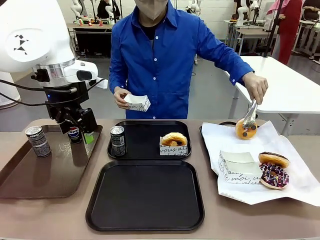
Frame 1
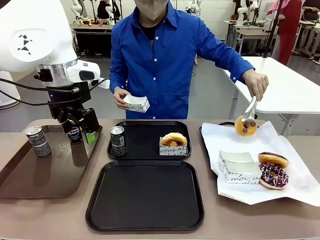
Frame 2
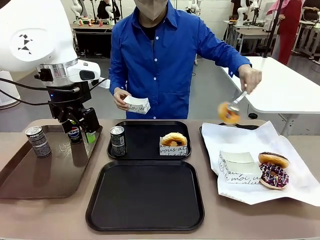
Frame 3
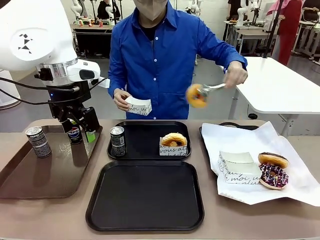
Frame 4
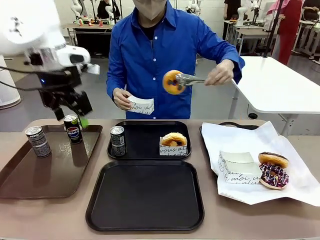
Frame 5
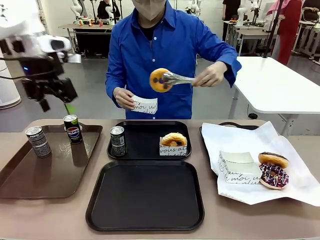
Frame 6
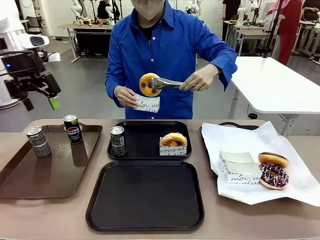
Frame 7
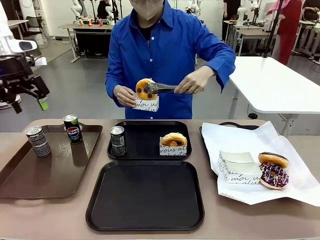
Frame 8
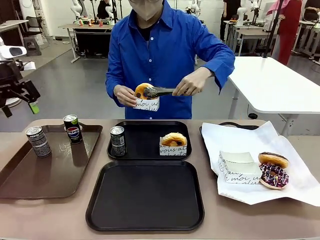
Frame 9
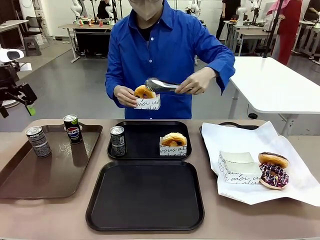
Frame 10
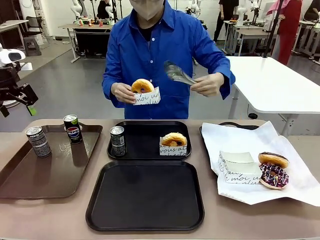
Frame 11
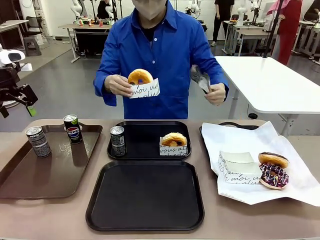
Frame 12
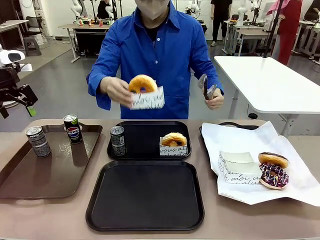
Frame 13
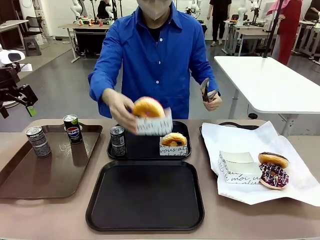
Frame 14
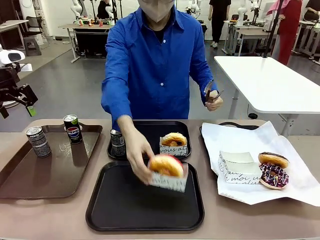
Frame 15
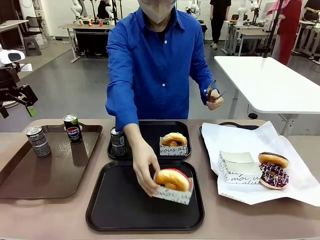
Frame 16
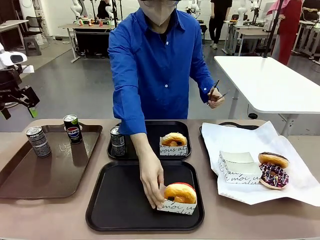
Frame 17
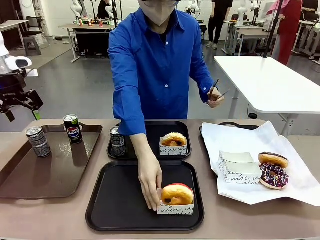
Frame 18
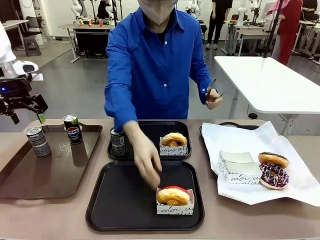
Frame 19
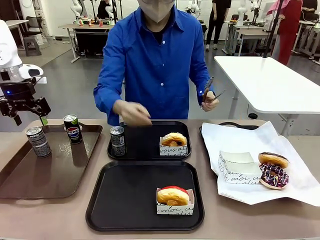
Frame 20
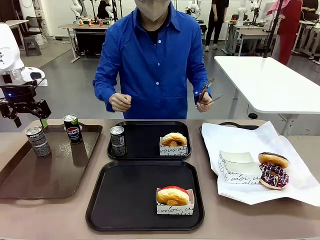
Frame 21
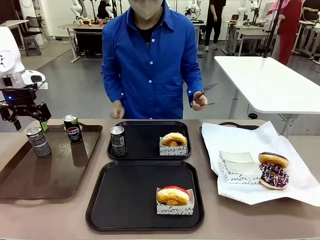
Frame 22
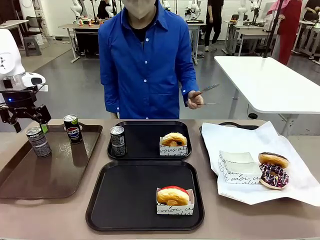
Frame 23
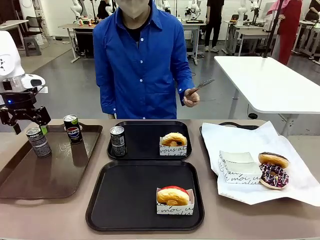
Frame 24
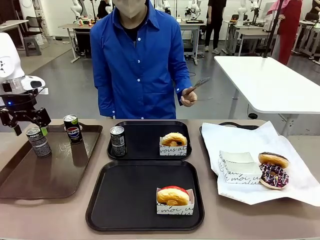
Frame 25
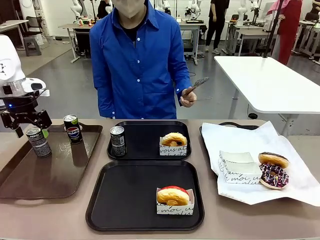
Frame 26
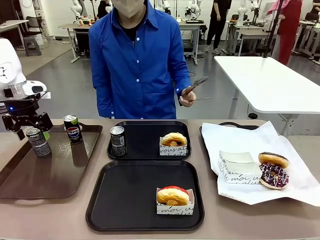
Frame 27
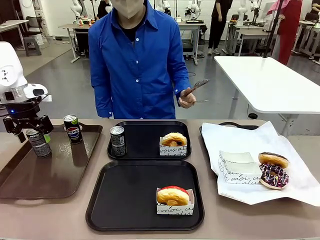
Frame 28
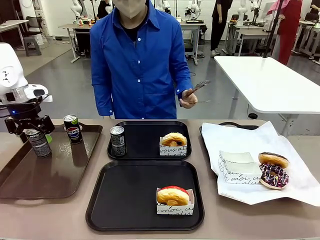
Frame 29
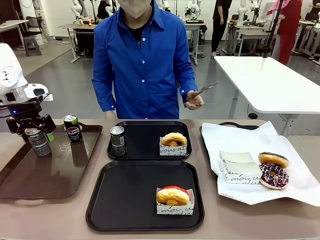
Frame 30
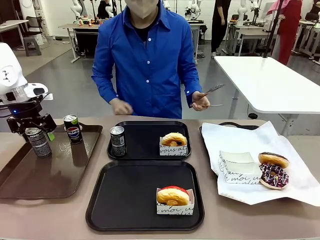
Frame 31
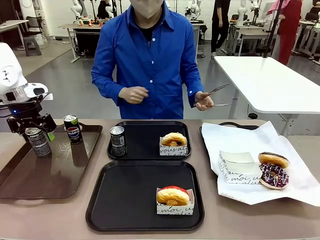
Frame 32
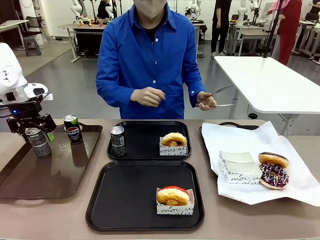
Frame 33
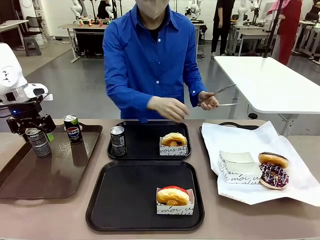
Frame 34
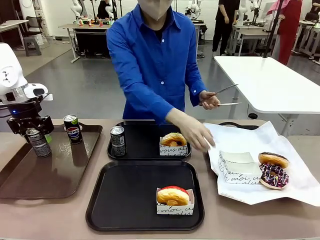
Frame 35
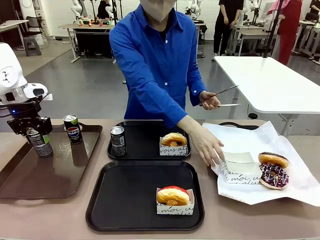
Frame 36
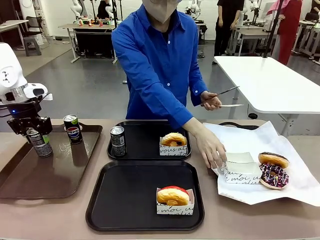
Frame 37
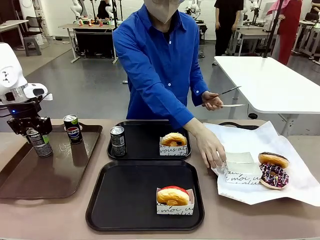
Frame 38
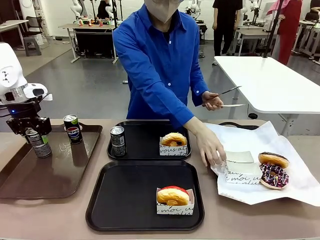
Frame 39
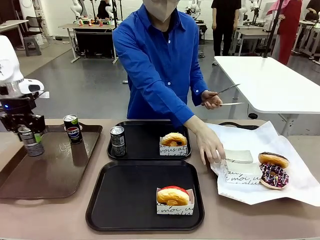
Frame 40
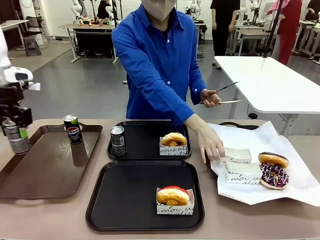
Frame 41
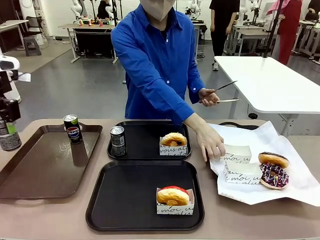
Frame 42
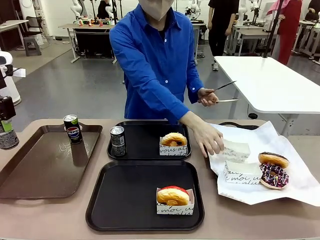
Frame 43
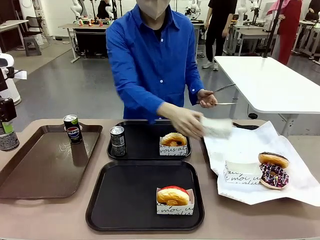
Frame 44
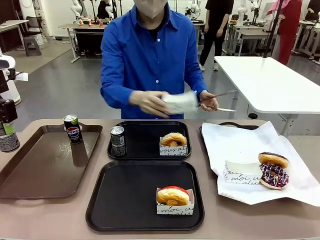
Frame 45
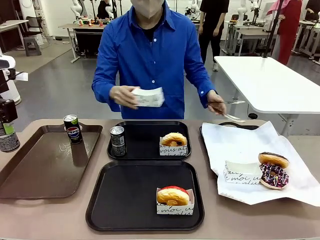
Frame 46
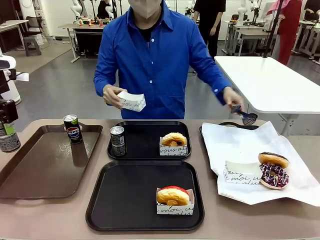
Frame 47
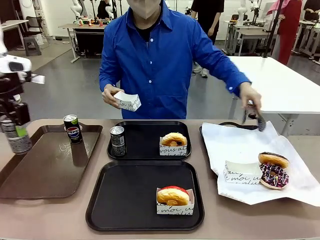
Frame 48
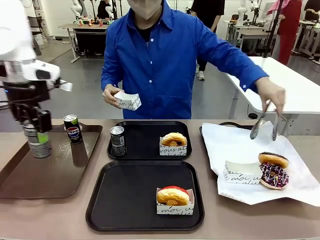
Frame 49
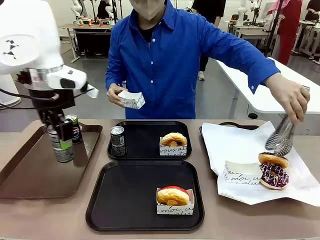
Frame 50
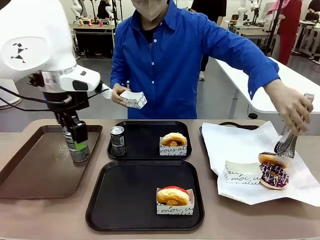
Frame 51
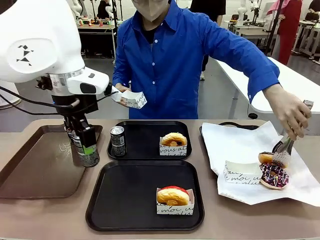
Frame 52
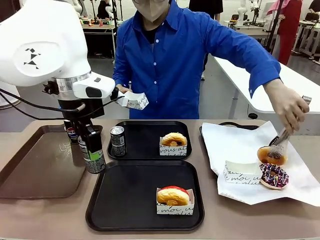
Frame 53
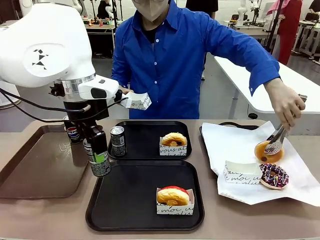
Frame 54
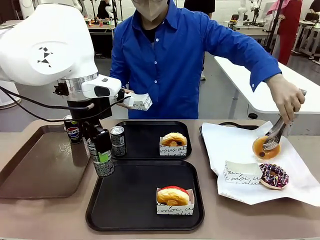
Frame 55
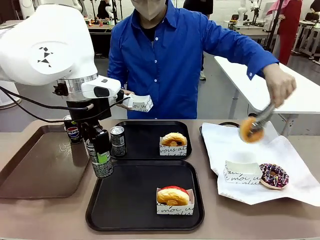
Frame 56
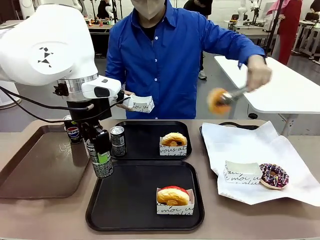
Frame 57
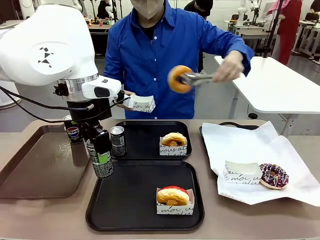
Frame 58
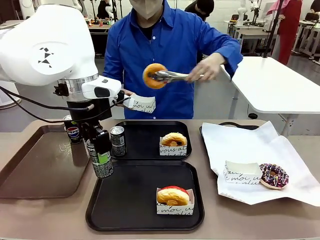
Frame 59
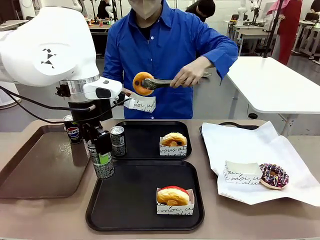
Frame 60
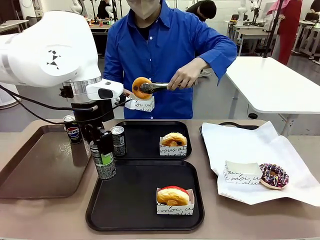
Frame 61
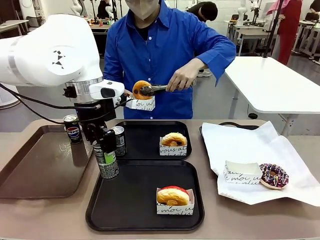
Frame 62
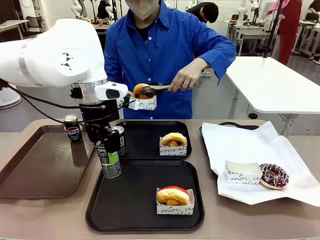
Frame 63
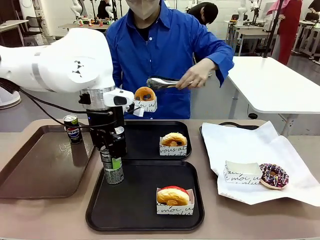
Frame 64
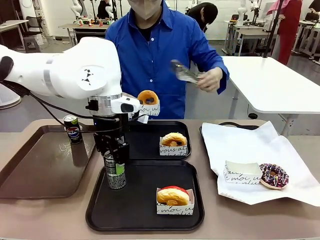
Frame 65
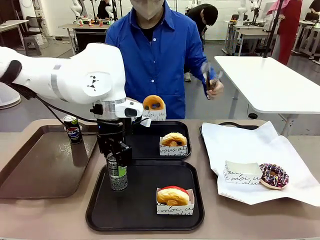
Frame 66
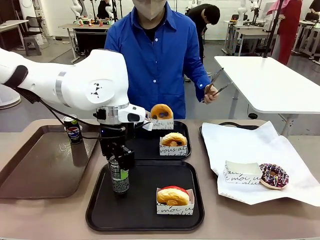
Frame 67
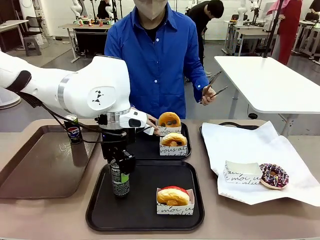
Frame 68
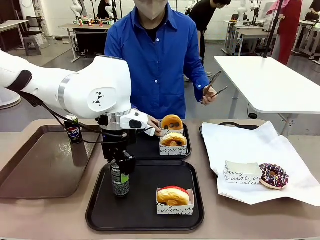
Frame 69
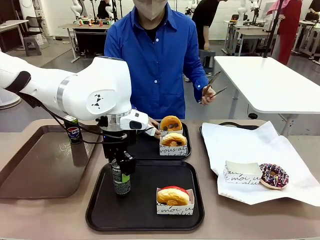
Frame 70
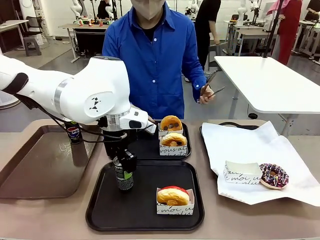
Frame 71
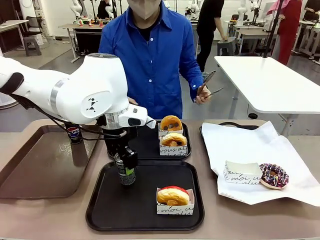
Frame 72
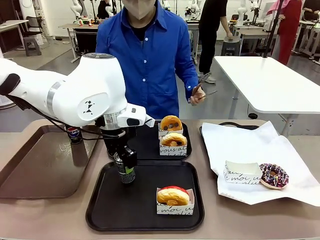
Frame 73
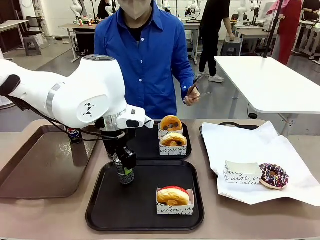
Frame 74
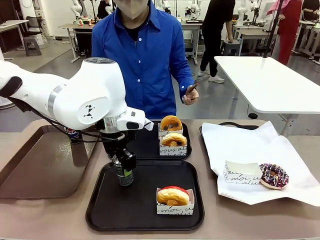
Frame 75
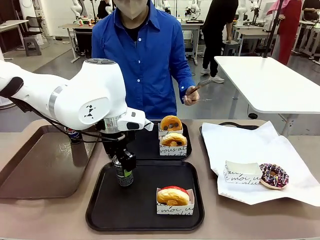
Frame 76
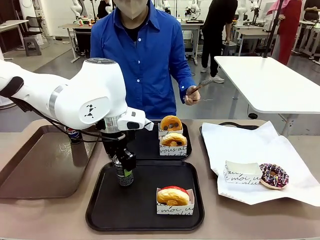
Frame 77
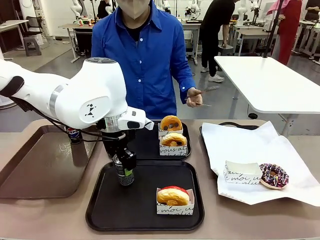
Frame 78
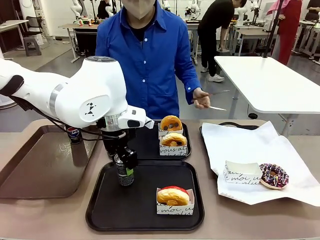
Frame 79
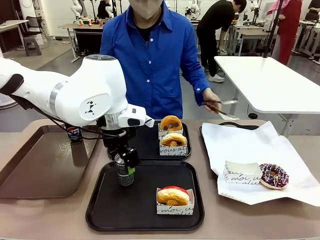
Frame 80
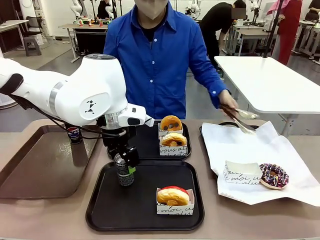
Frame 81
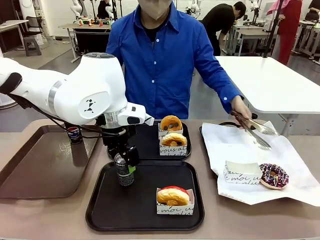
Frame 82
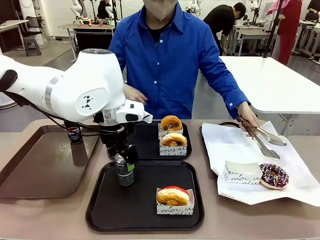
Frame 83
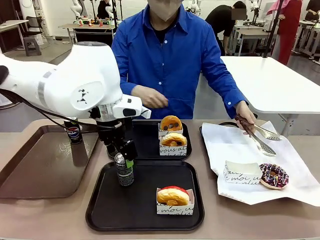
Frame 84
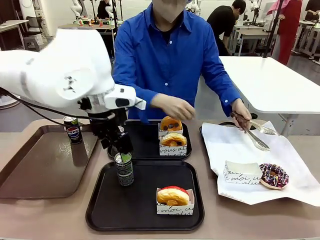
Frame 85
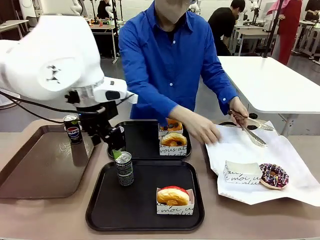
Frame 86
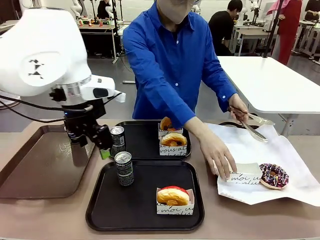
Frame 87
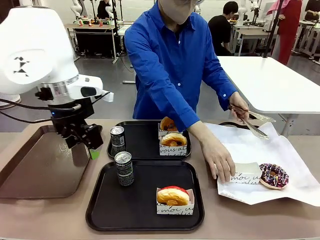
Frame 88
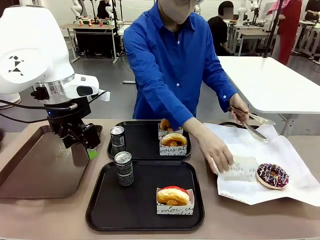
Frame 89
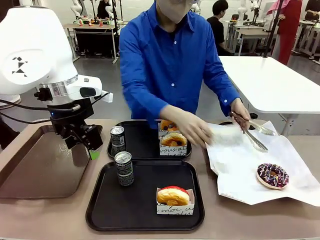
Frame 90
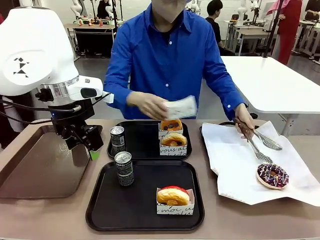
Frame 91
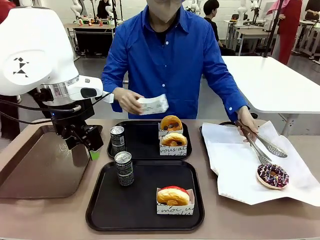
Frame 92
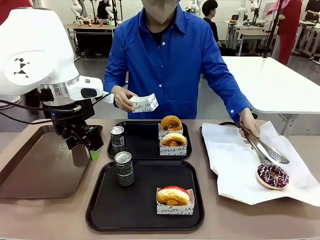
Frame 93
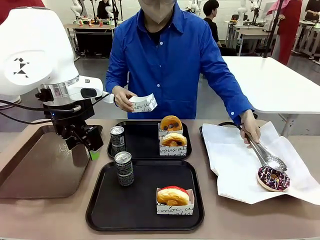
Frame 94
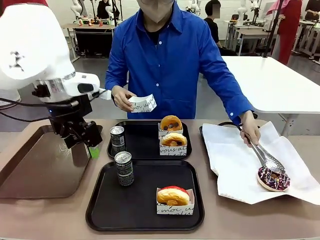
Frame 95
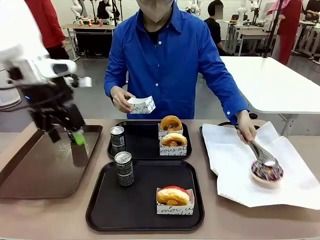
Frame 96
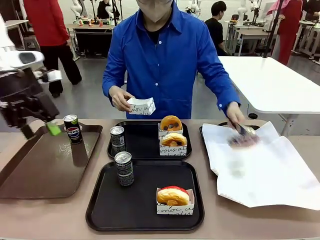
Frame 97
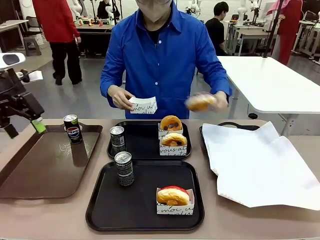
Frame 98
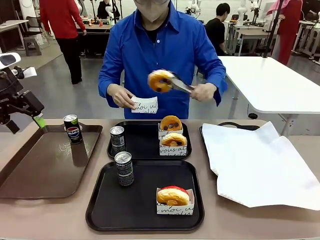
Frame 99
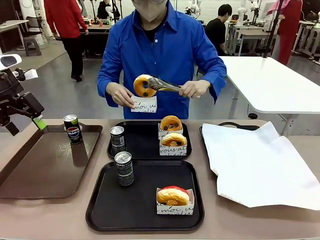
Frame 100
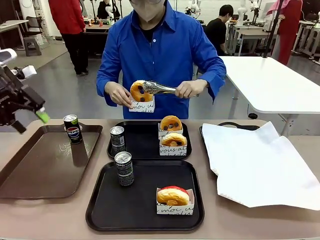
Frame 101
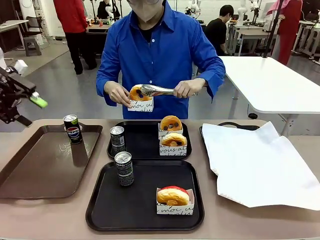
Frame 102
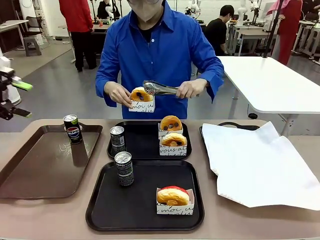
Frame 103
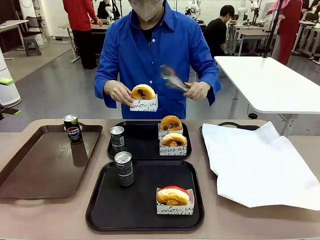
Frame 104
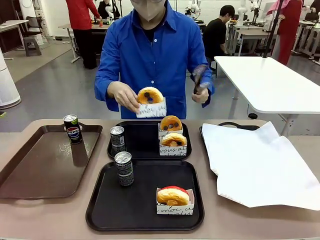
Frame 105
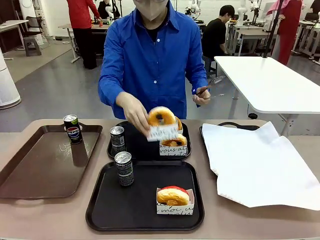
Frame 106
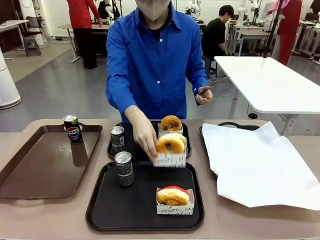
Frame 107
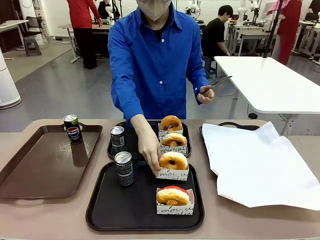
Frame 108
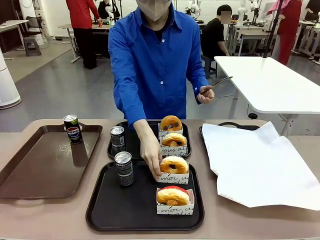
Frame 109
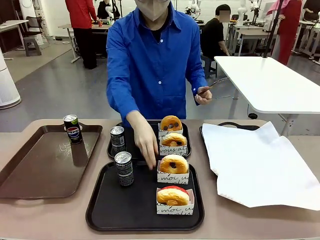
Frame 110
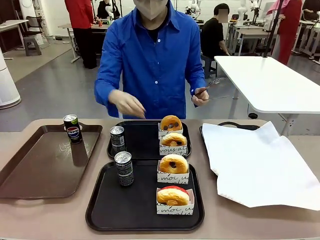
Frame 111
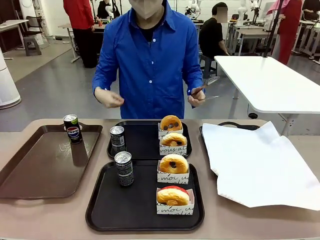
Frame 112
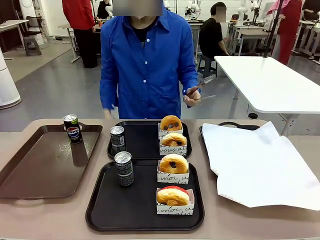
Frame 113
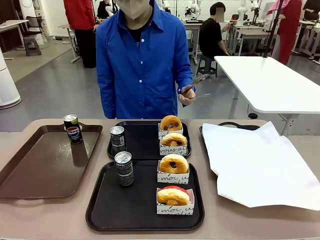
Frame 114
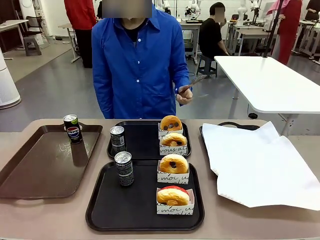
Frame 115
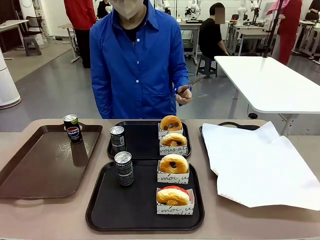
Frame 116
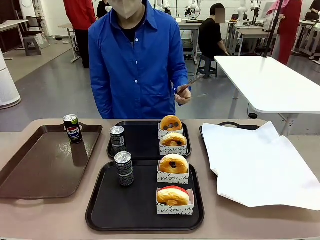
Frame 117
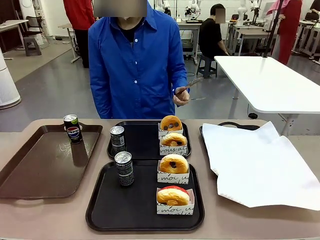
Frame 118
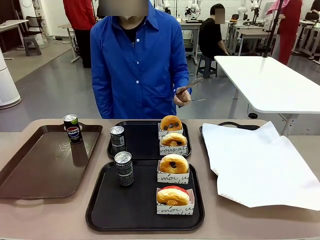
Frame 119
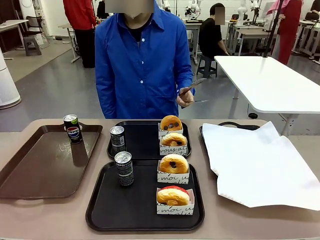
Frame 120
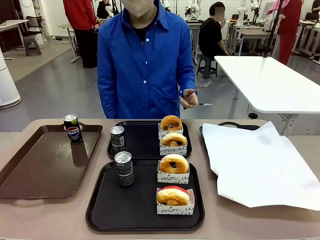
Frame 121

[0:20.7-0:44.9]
Task: Set up donuts and drinks on trays.
Robot: Pick up one Pepsi coke from the Handle tray and place it on the Flat Tray without a Pepsi coke.
Person: Pick up one donut with tongs, place it in the donut tray, and then place the donut tray on the flat tray.
